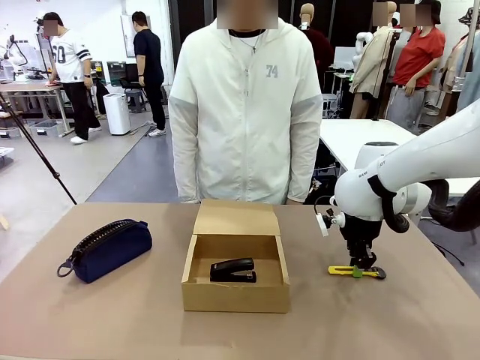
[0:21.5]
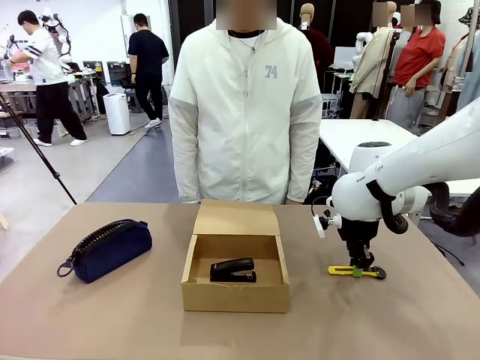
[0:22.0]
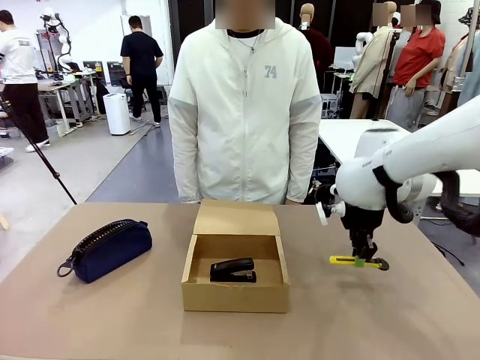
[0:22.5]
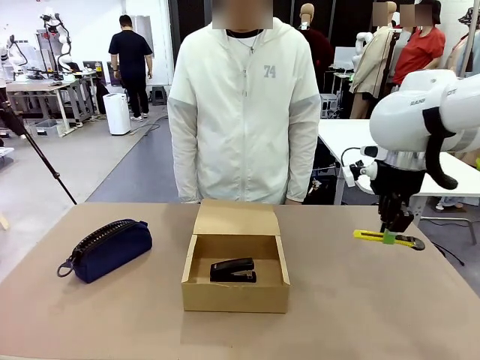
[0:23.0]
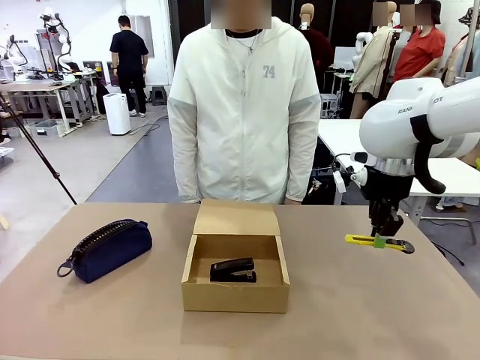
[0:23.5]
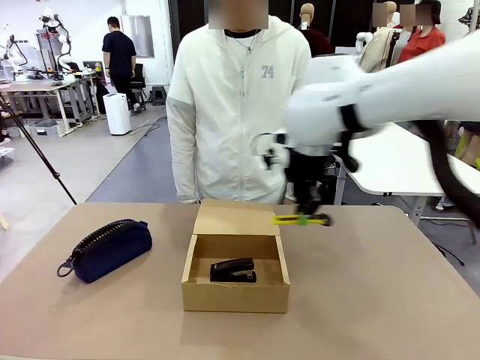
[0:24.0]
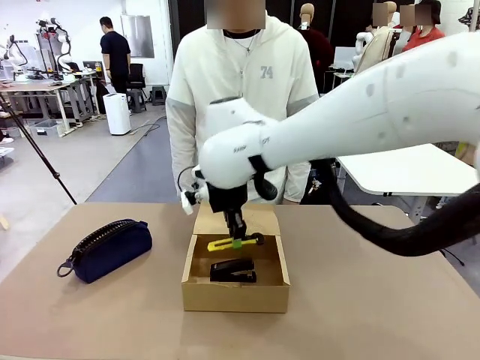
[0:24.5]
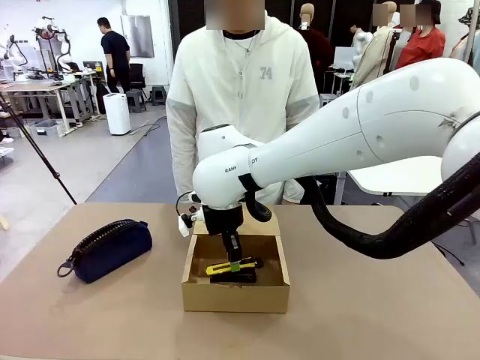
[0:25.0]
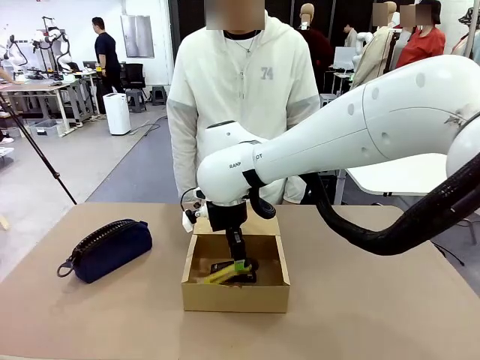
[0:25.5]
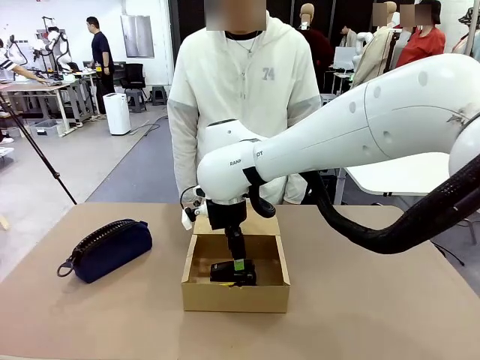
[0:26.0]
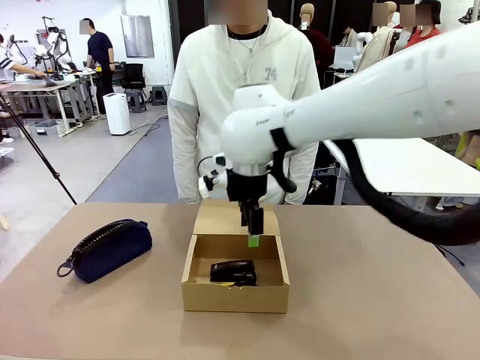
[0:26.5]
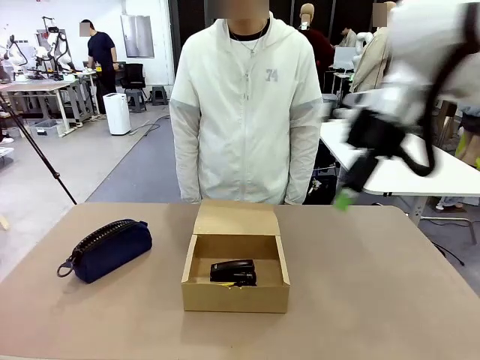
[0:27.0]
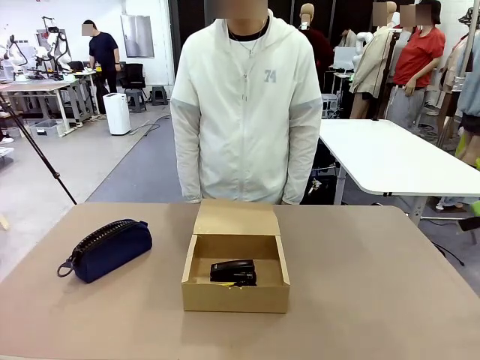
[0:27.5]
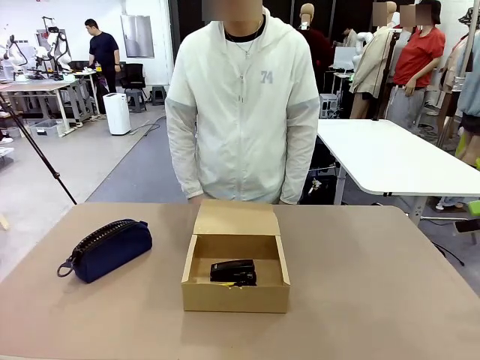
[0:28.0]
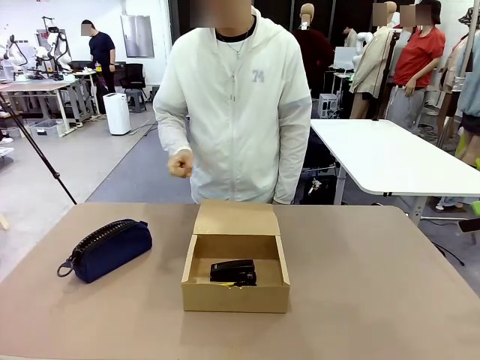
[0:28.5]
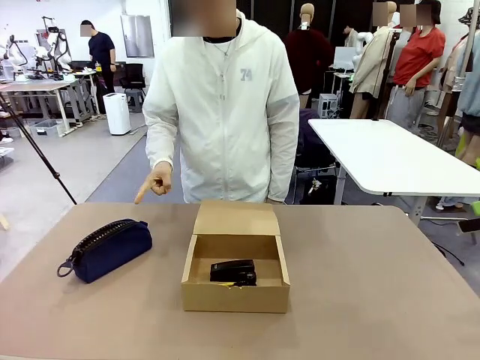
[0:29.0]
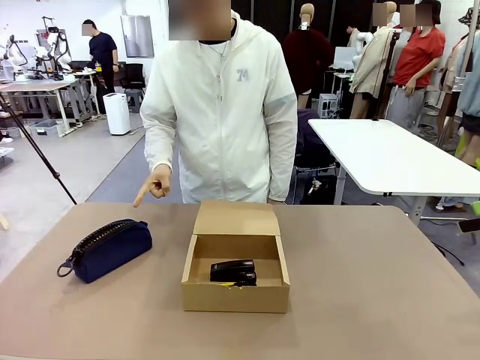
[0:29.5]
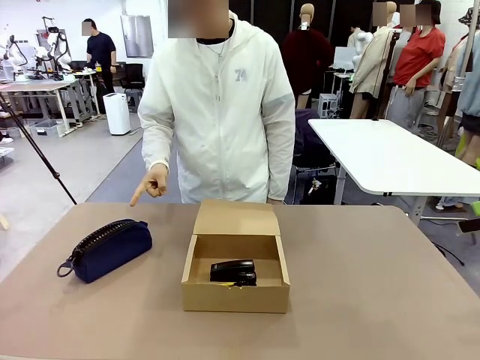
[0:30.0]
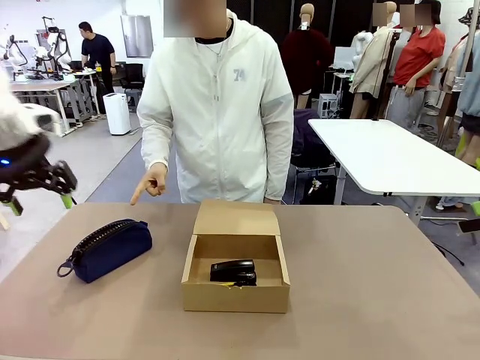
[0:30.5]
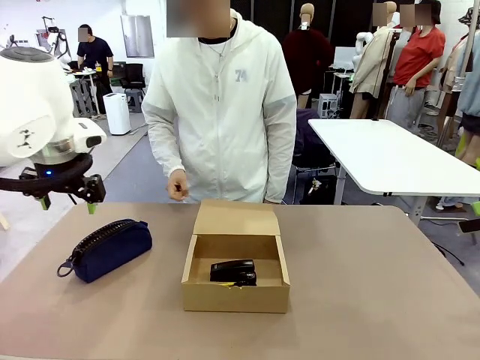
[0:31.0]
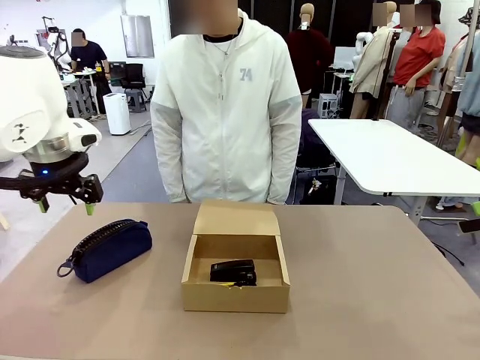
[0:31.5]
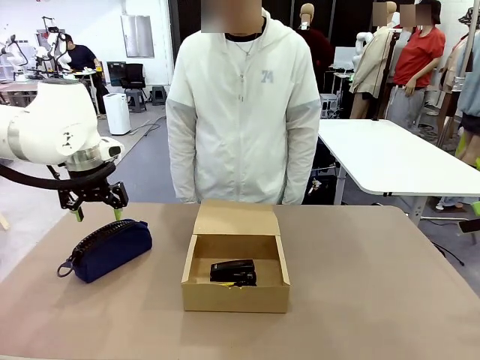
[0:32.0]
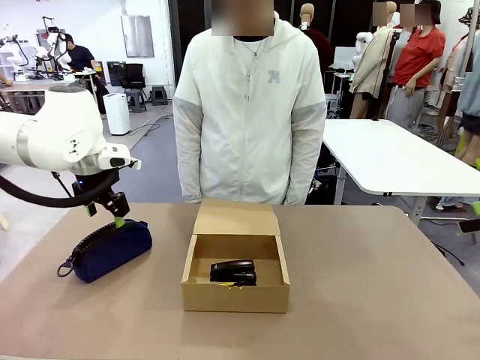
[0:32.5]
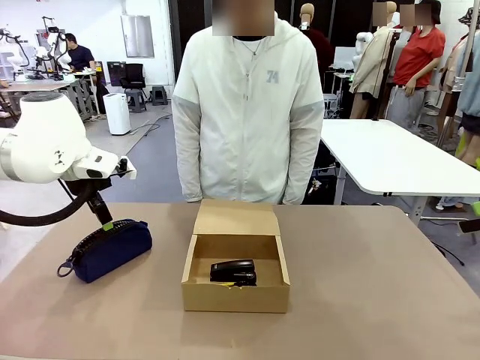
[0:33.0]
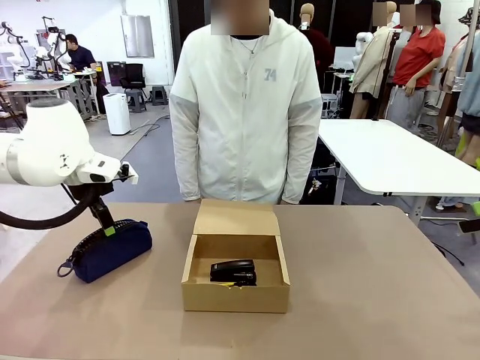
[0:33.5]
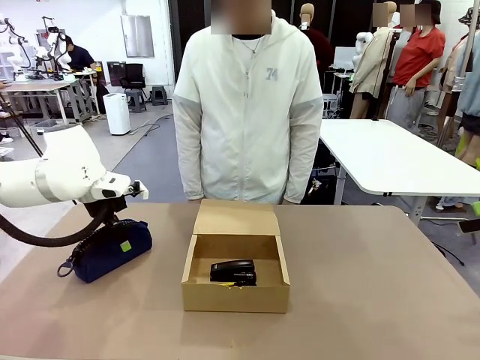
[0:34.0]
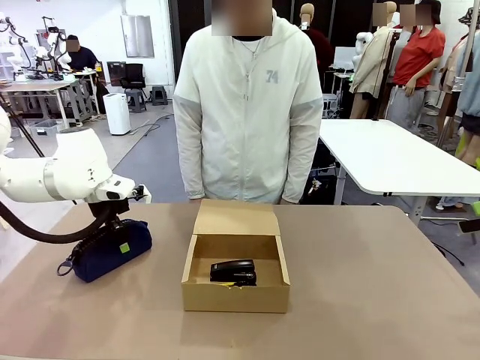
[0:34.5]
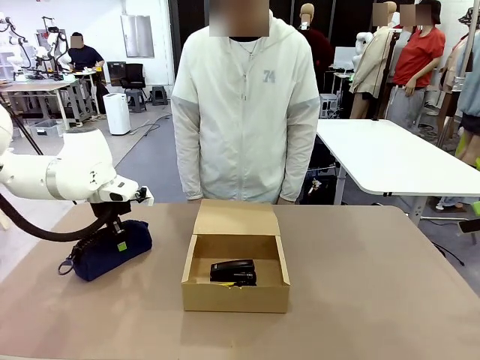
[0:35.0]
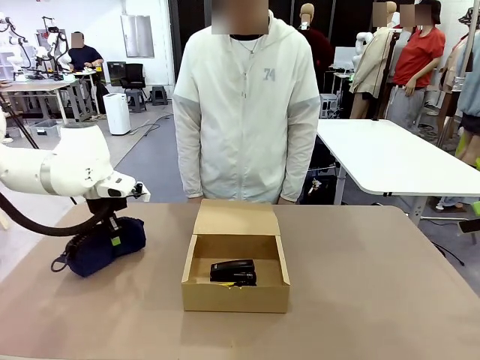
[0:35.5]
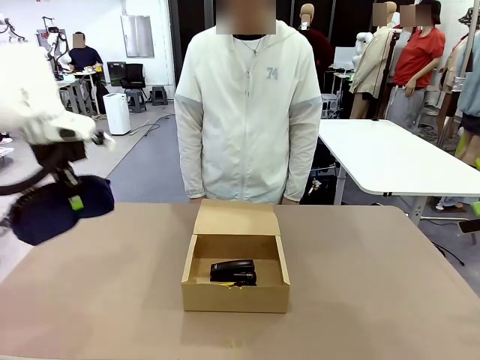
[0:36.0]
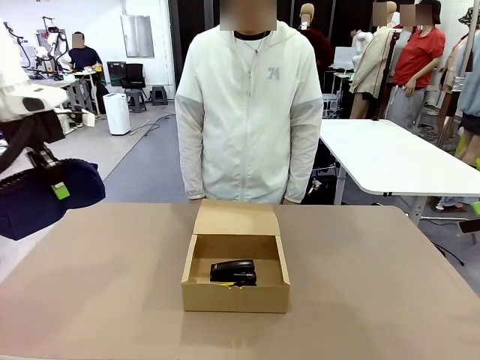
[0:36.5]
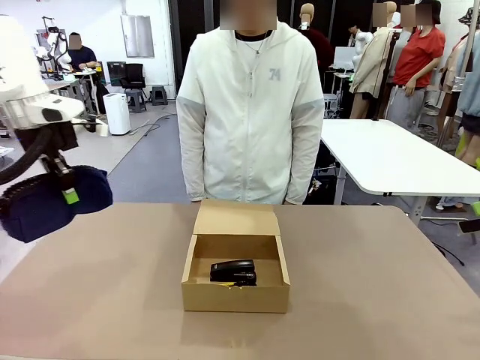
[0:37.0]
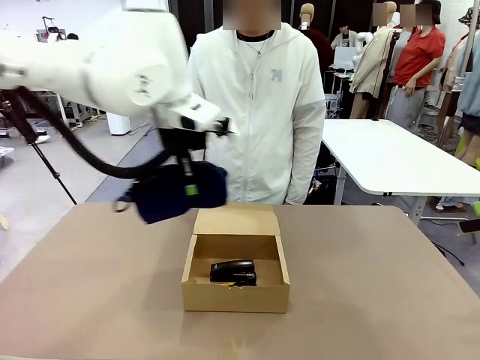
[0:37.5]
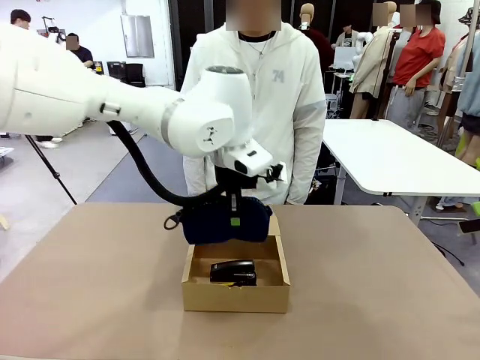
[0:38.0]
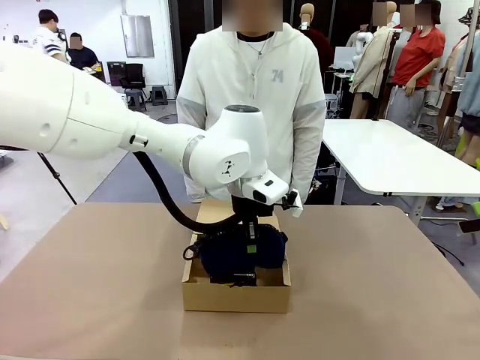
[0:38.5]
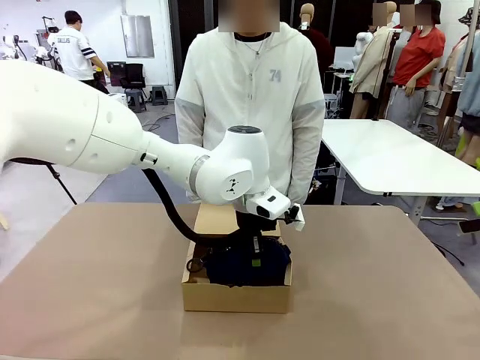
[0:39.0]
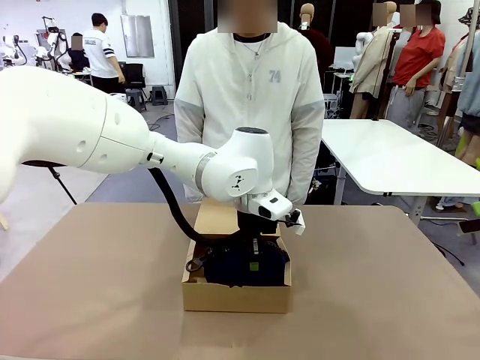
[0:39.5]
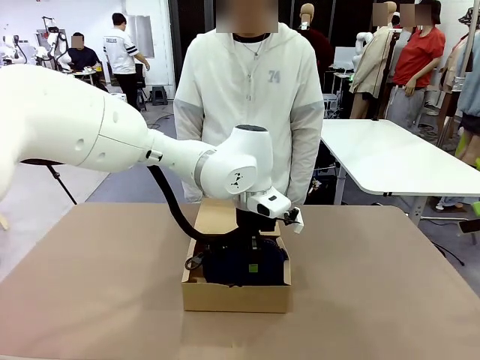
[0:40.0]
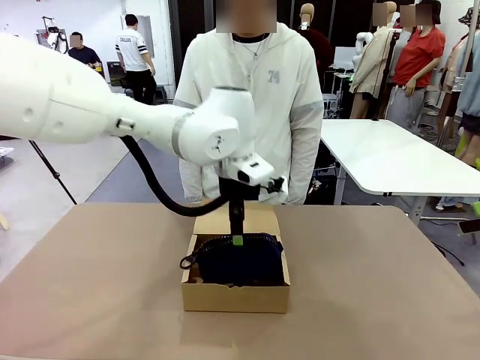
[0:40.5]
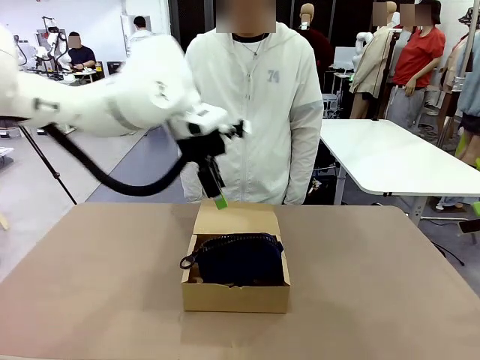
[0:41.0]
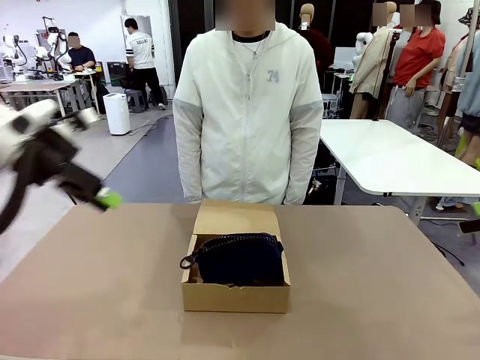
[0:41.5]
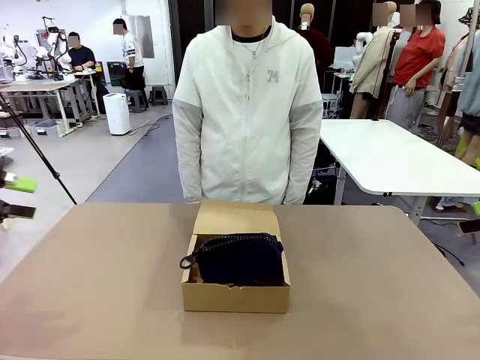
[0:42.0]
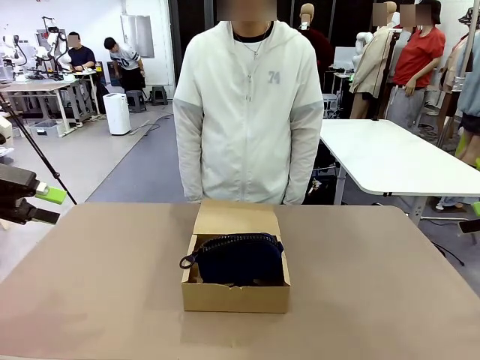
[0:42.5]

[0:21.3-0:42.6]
Task: Pack the items into the box.
Robot: Pick up the item indicated by the person and place it inside the Mailer Box.
Person: Lower both hands vertically with palms facing downward, as if pressing something closed.

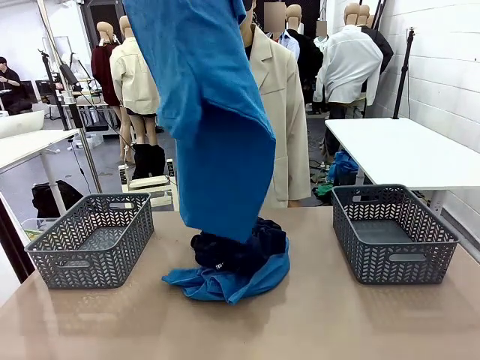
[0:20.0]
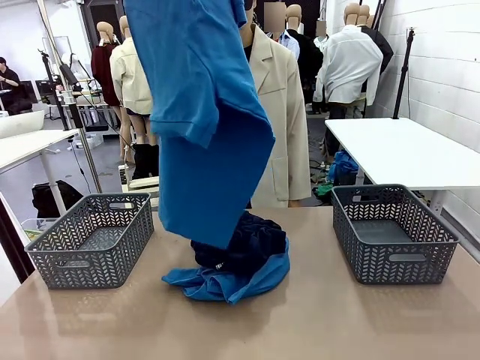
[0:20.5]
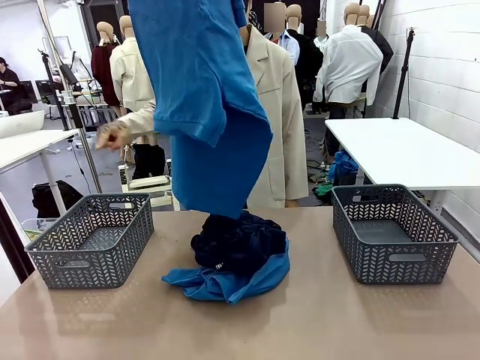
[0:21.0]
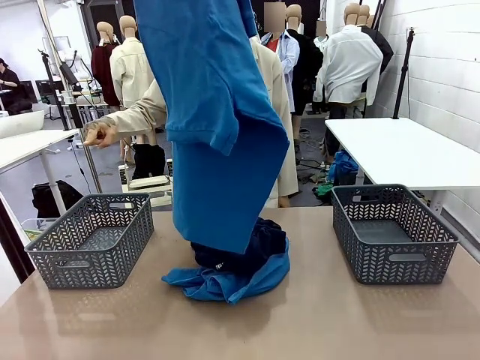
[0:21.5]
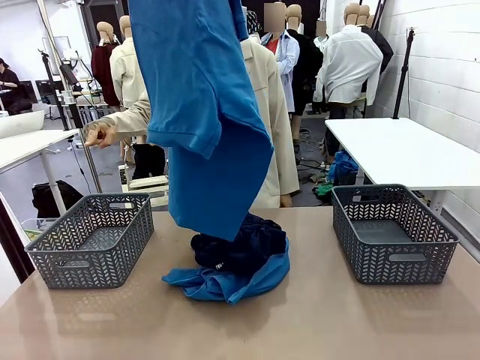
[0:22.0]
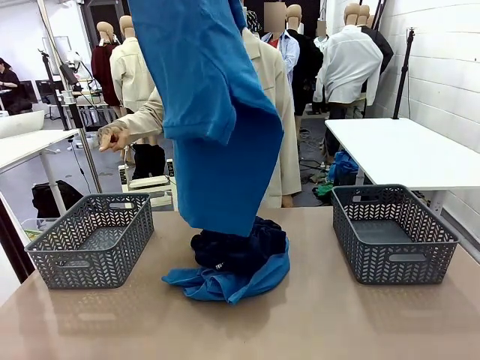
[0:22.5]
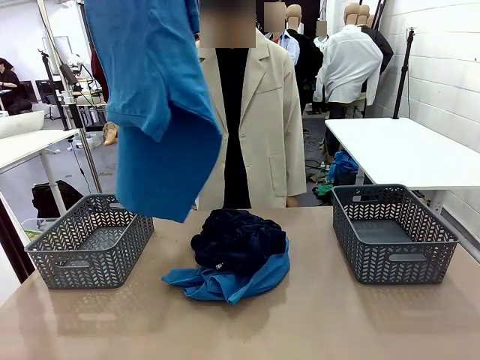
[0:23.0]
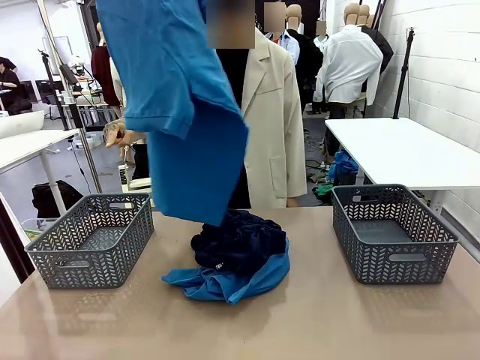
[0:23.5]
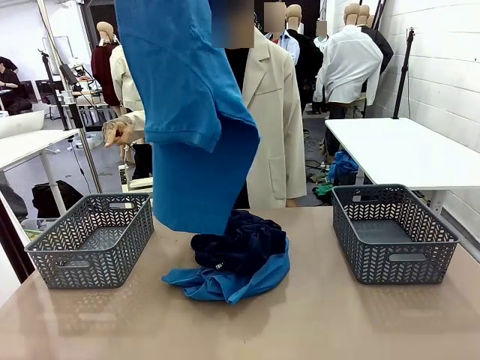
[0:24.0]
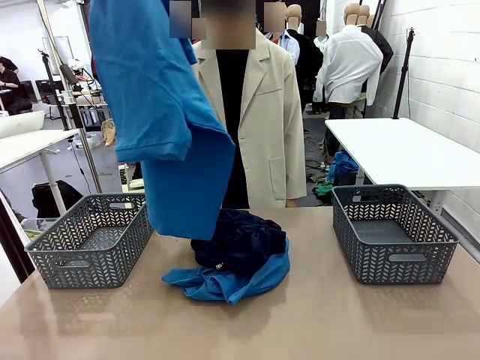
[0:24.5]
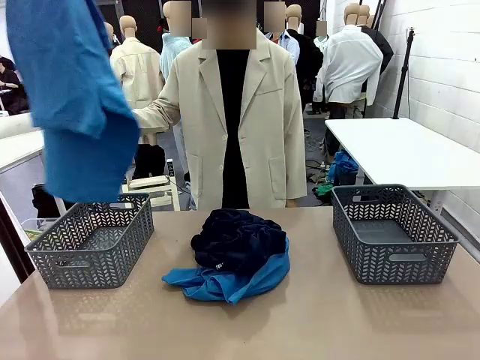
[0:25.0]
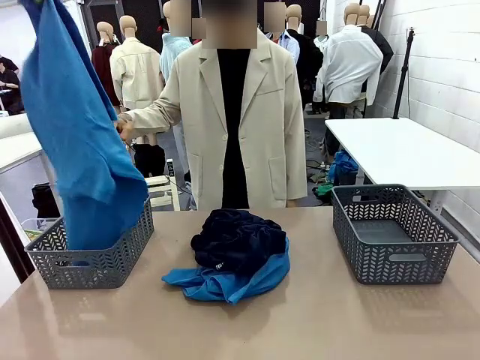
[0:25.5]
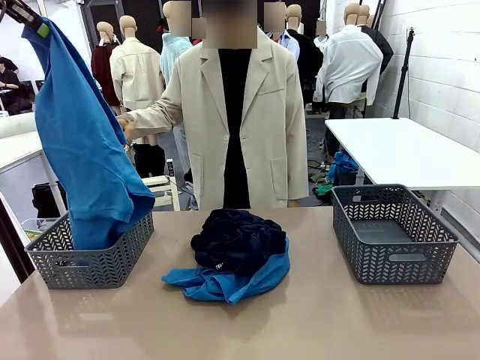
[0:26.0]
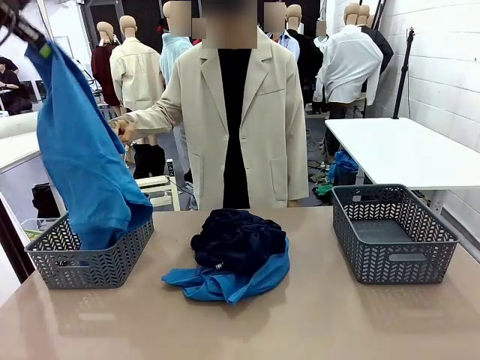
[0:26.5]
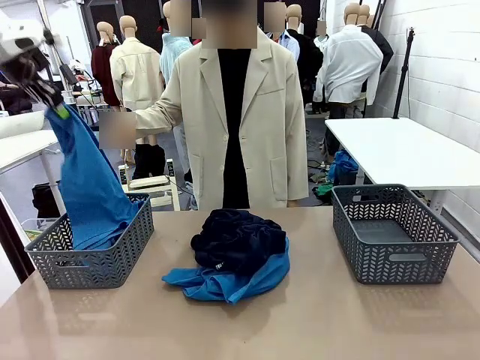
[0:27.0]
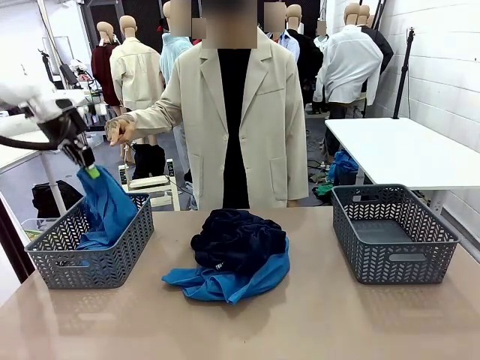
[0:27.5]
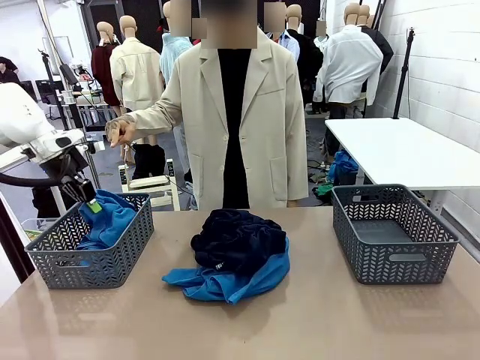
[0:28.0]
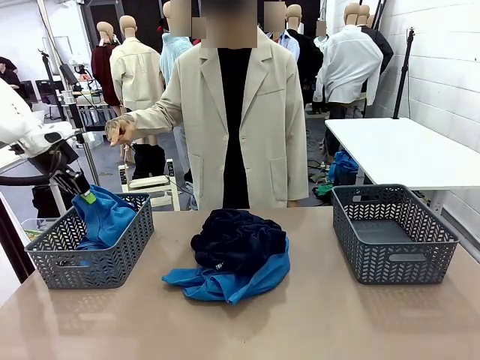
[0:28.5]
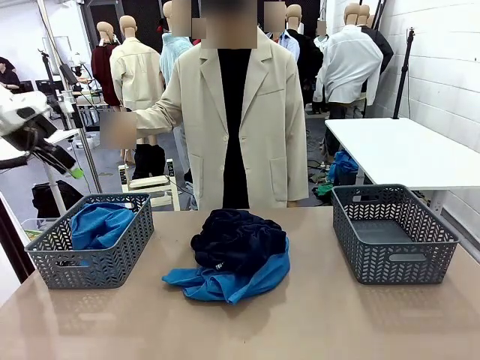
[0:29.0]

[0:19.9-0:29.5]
Task: Sort the tops and bottoms.
Robot: Sort the clothes according to human instructions.
